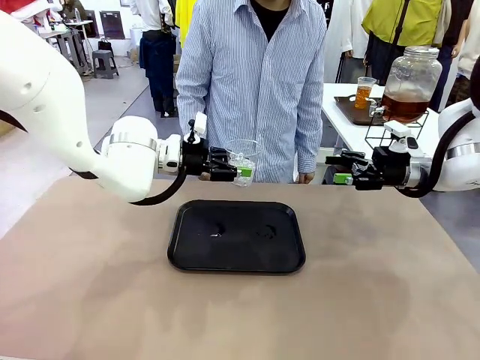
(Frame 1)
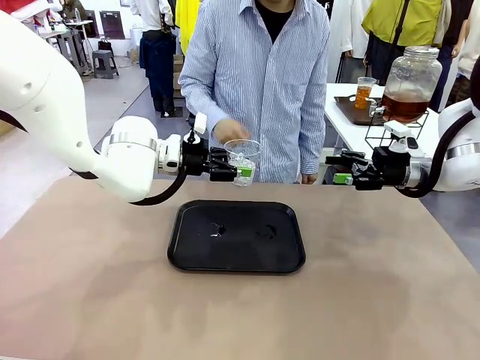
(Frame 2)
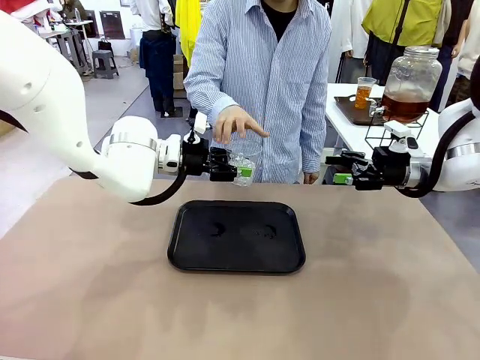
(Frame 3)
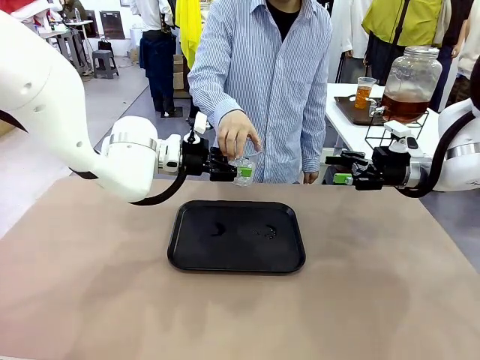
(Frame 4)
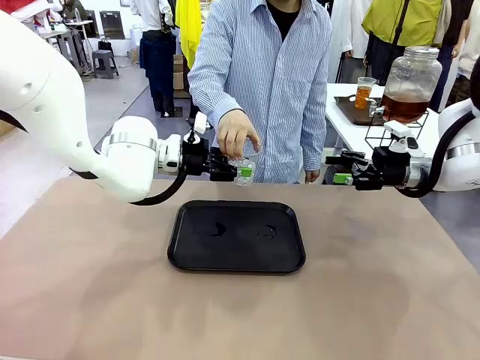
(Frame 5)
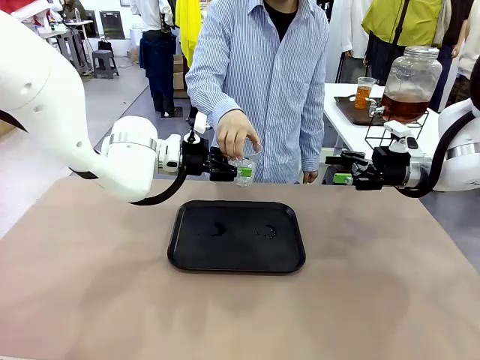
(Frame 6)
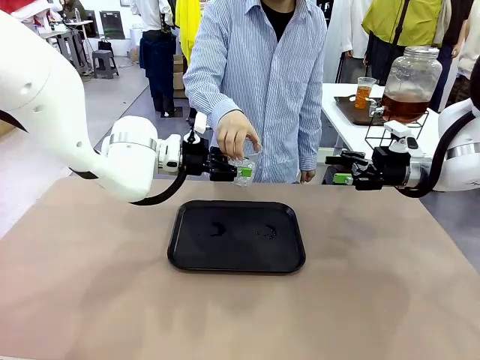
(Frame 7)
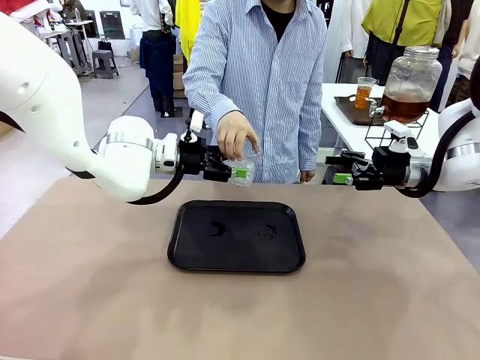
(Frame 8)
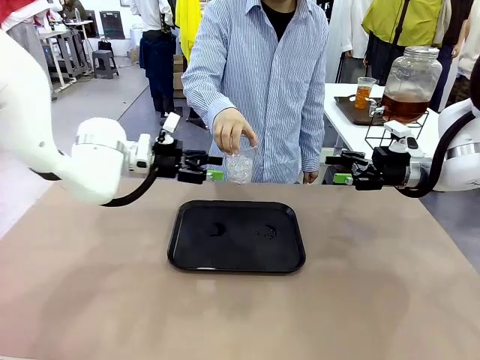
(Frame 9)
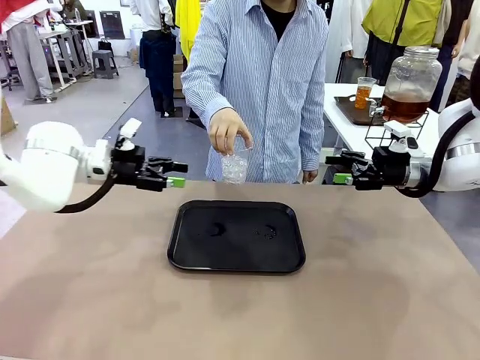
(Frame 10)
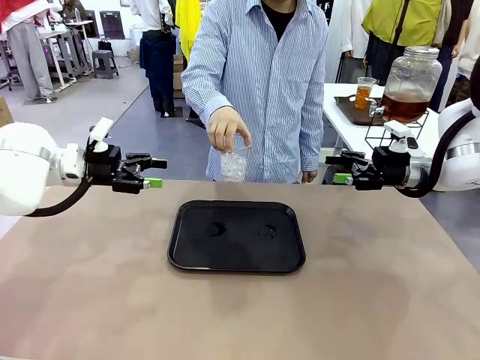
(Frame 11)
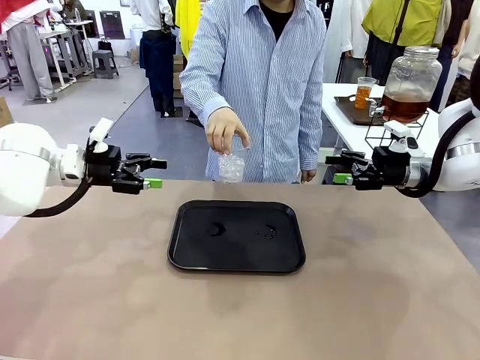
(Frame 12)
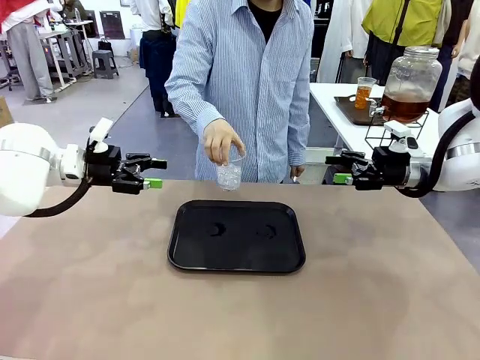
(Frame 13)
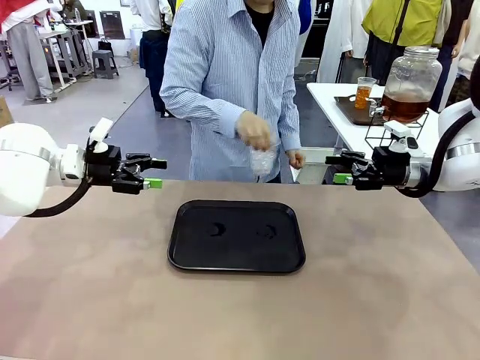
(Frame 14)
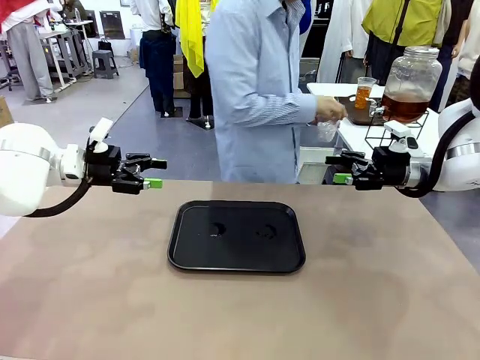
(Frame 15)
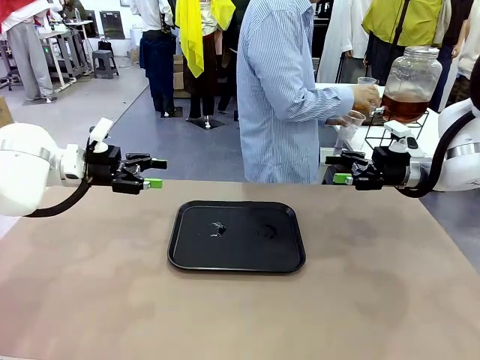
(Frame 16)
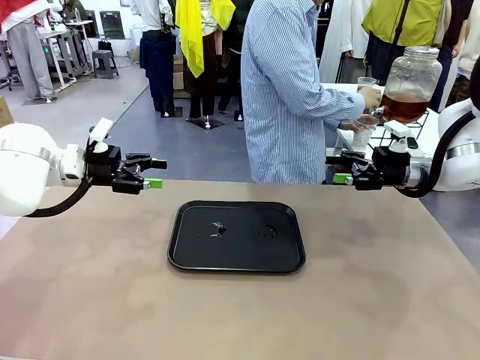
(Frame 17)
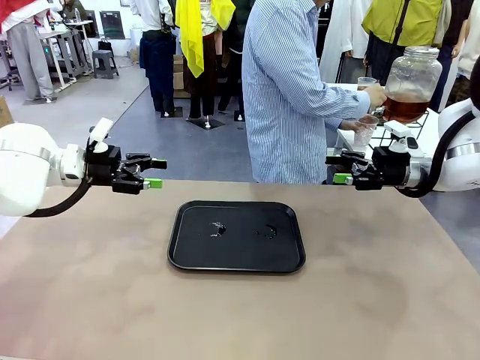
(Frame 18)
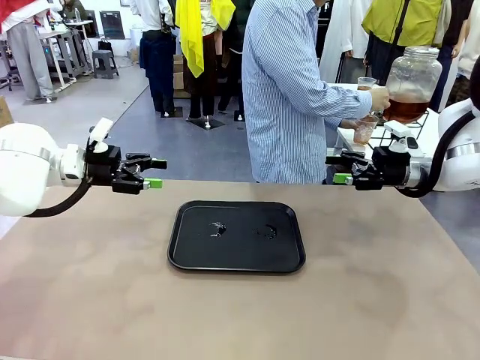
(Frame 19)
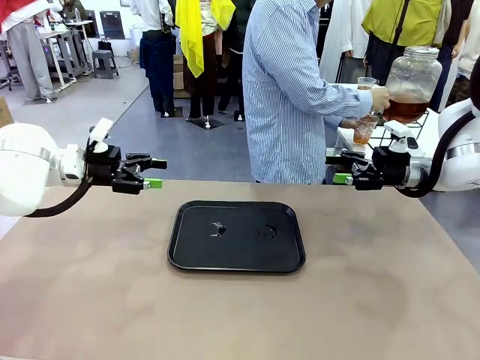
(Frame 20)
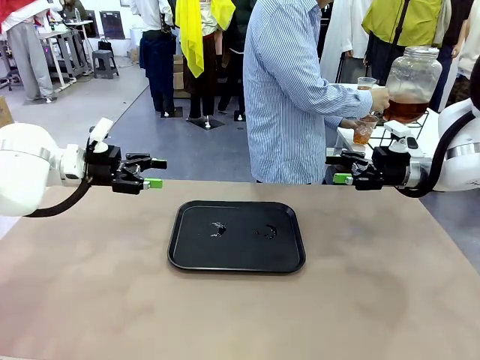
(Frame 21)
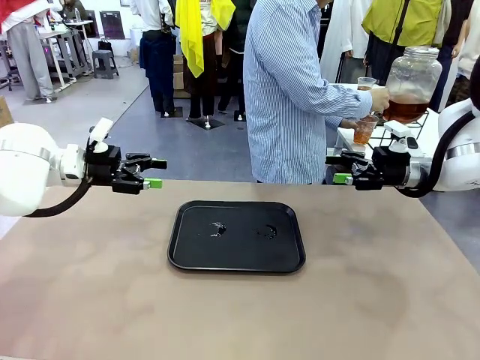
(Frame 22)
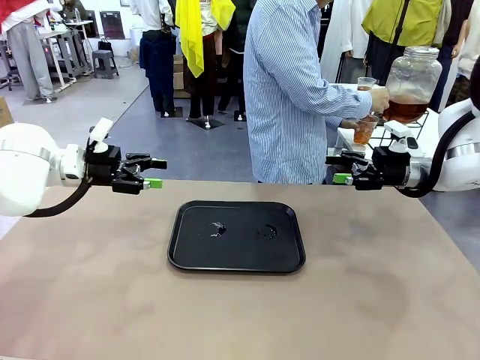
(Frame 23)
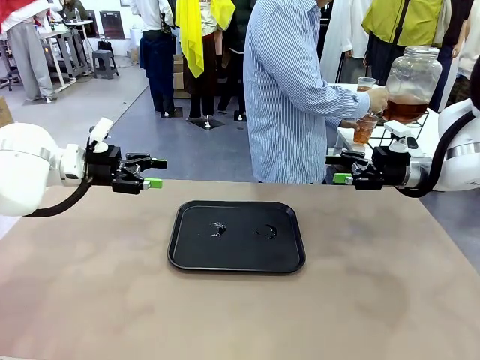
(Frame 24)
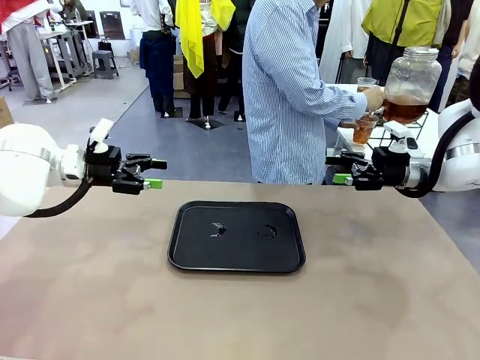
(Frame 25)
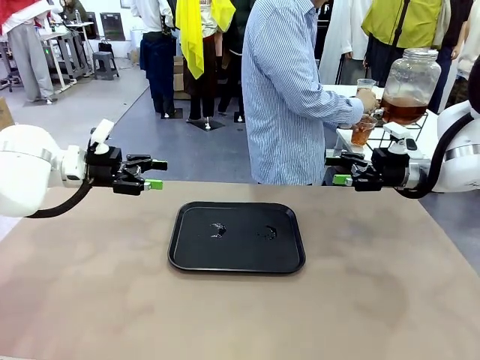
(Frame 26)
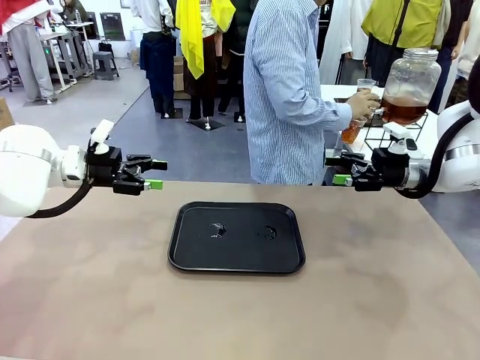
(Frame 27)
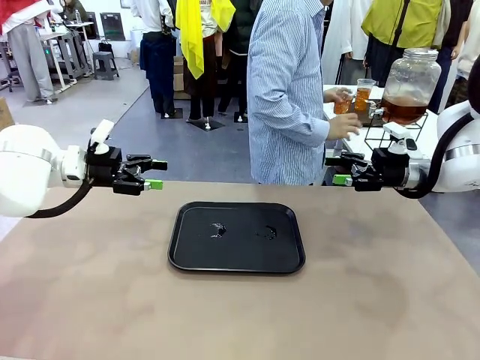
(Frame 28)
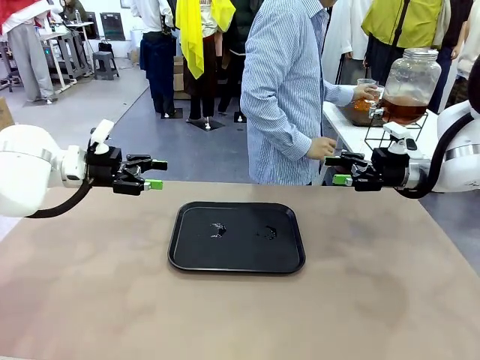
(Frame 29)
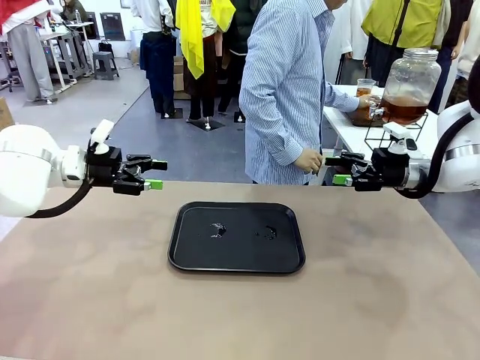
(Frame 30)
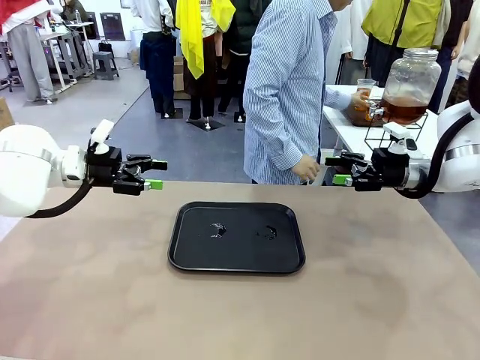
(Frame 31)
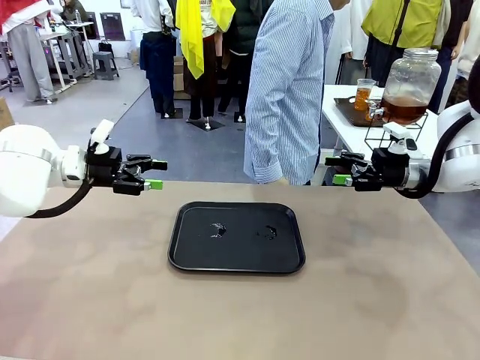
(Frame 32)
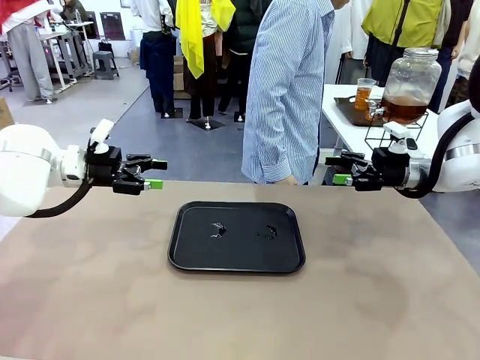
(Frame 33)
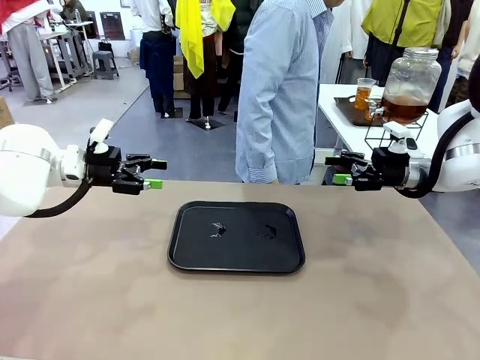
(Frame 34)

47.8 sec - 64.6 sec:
Task: Pour the drink into the iced cup.
Robot: Open the gripper to release the iced cup you were holding.
Person: Move the picked-up cup under the dispenser faucet, pour the drink, and place it on the tray on the human table.

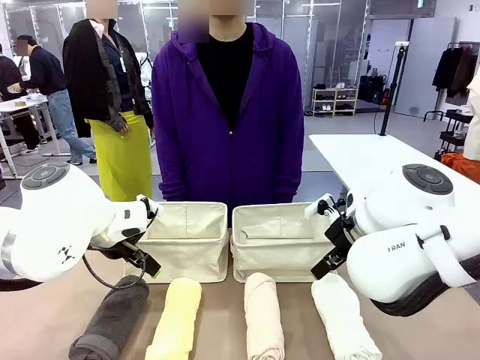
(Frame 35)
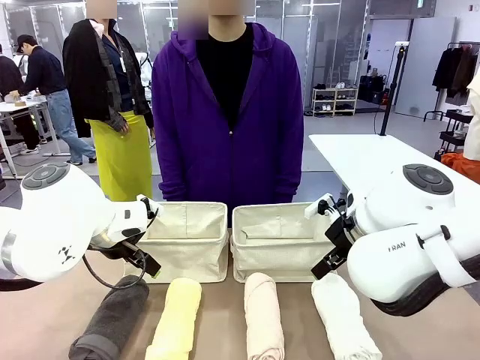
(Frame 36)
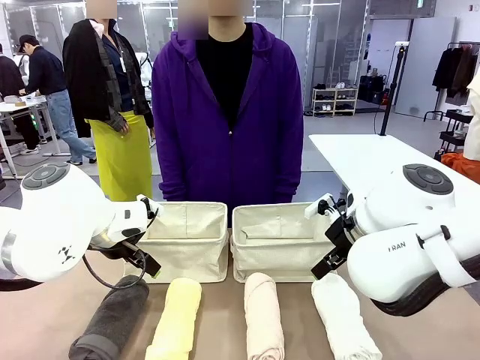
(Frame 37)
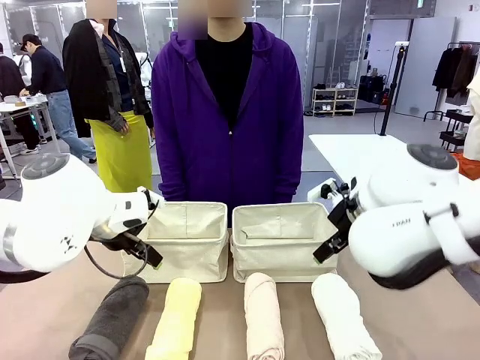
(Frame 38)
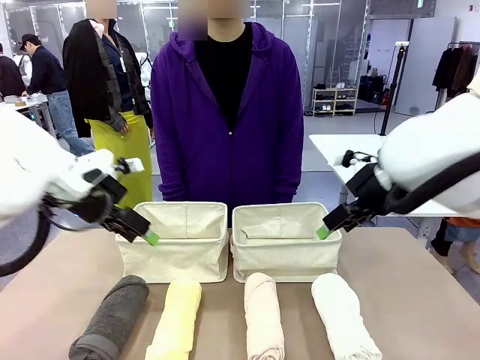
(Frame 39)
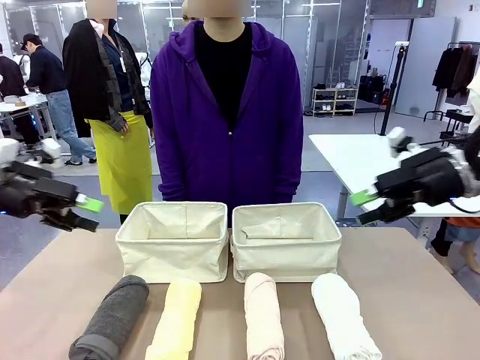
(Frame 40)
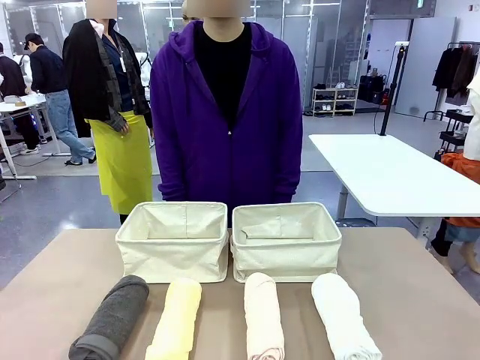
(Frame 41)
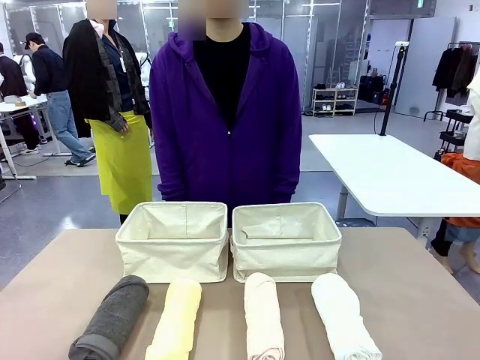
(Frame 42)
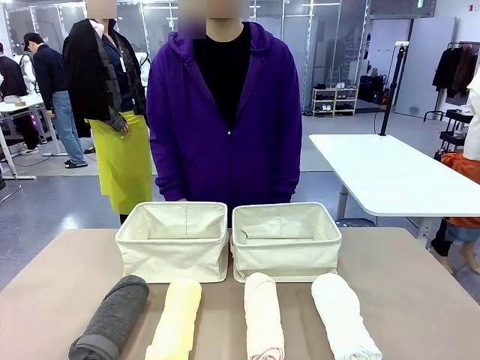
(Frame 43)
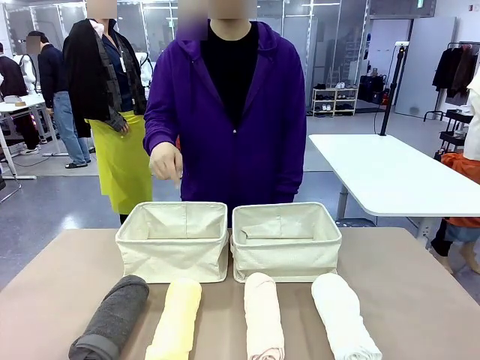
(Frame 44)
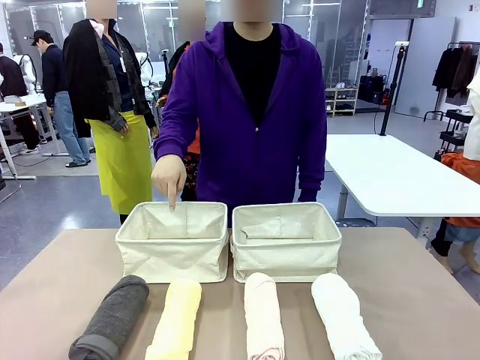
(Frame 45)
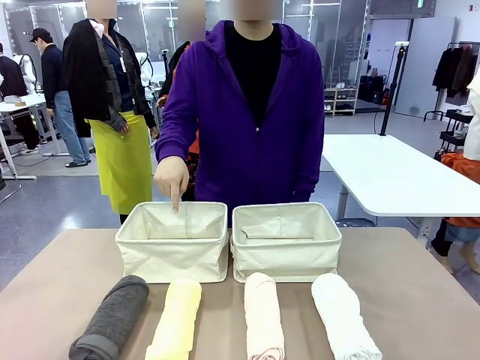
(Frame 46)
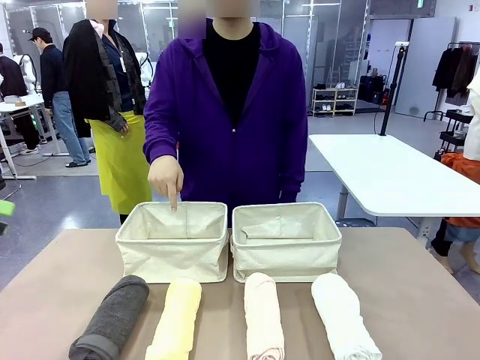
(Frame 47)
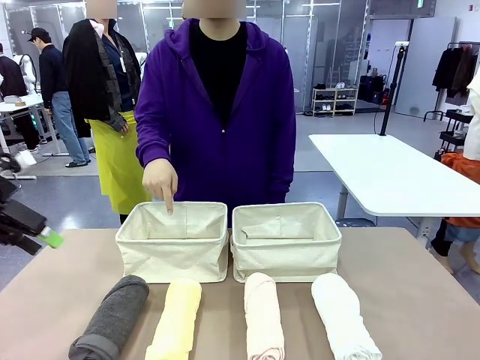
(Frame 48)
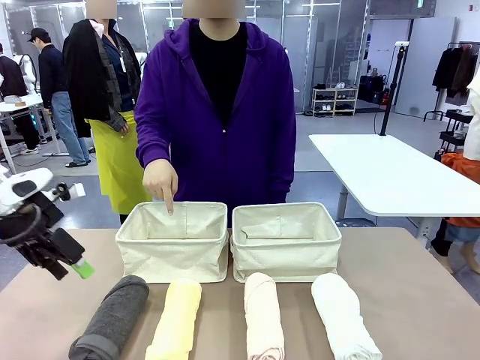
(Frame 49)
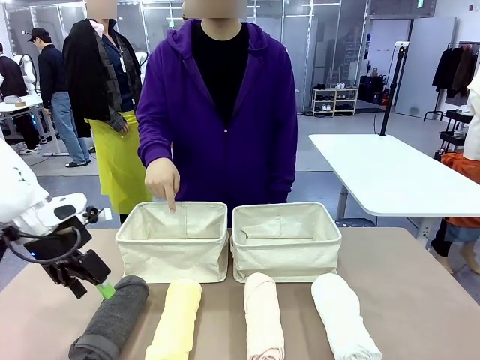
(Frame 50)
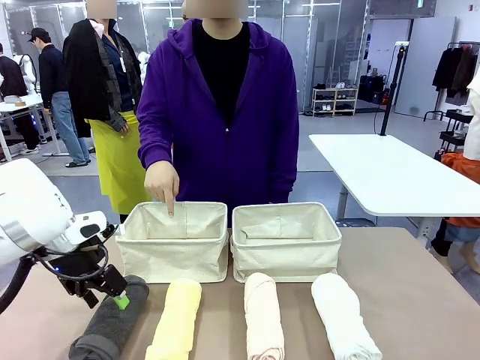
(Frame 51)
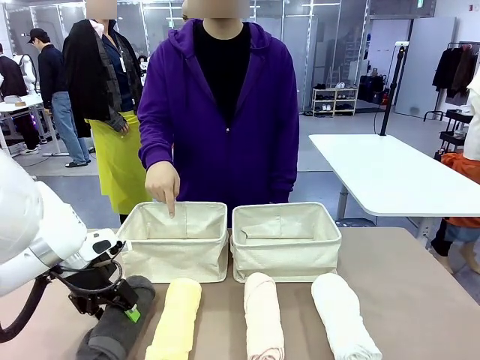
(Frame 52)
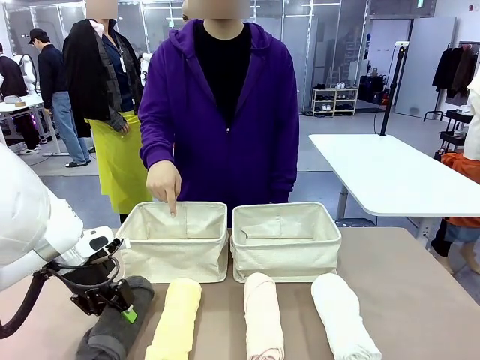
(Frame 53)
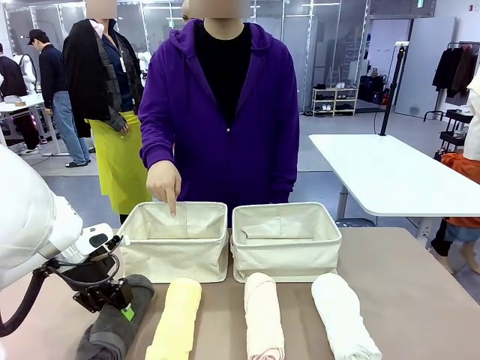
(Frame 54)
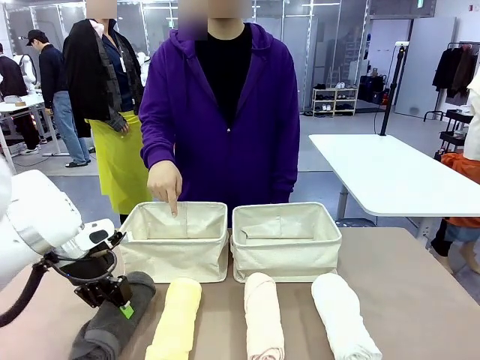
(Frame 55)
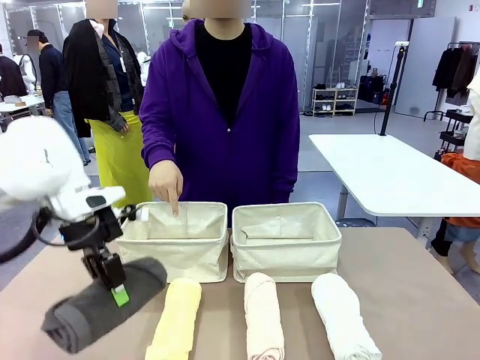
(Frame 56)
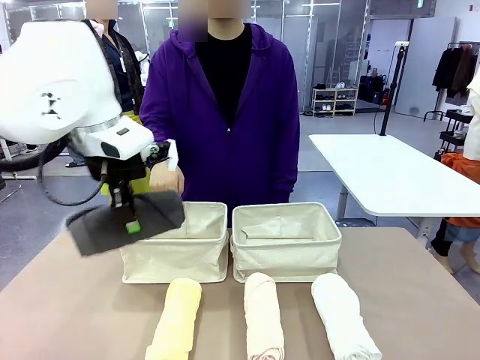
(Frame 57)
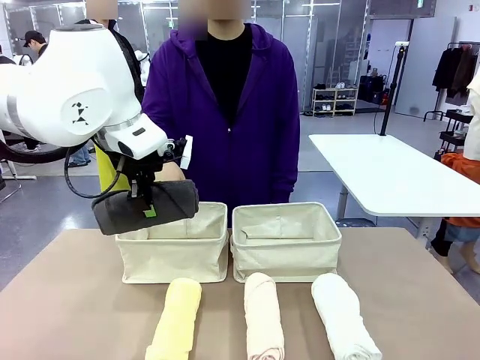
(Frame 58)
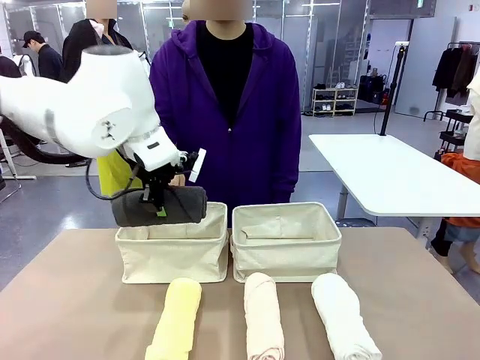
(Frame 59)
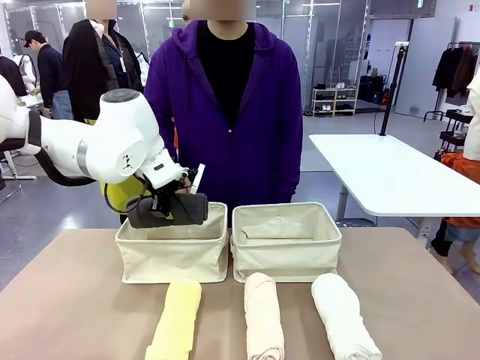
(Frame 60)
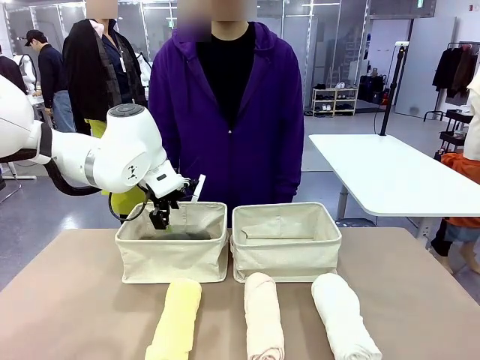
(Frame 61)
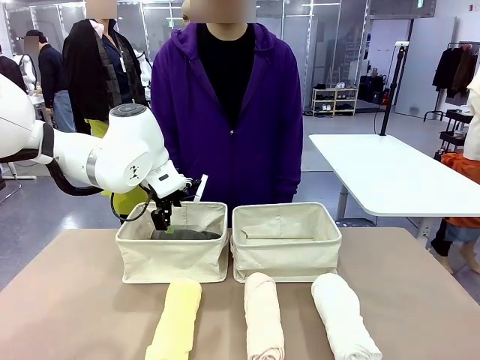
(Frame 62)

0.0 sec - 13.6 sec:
Task: Divide the towels into two baskets.
Robot: Pick up one hotel-folded towel and place it in the Fabric basket indicated by the person.
